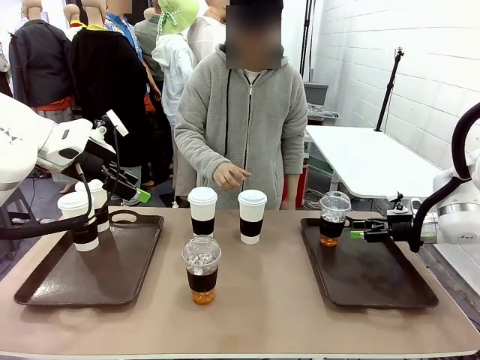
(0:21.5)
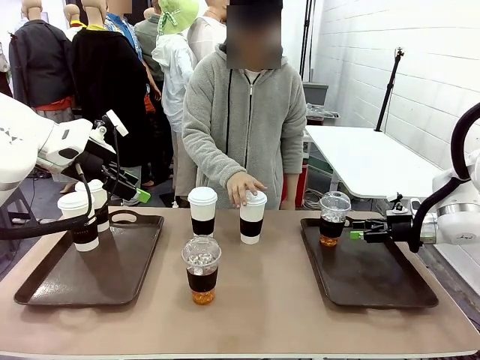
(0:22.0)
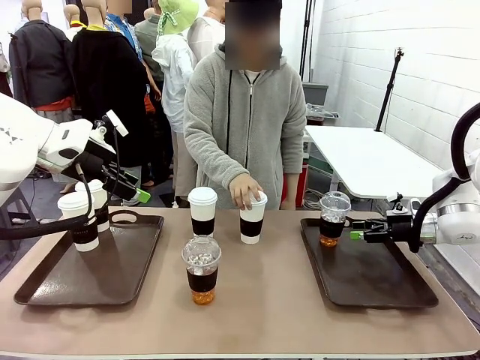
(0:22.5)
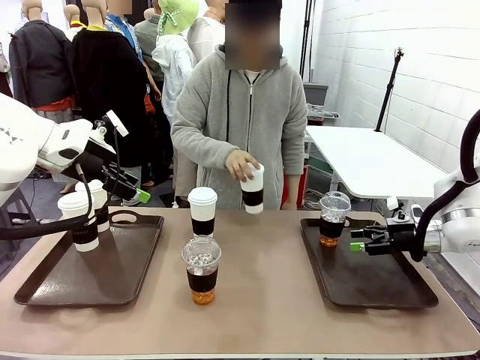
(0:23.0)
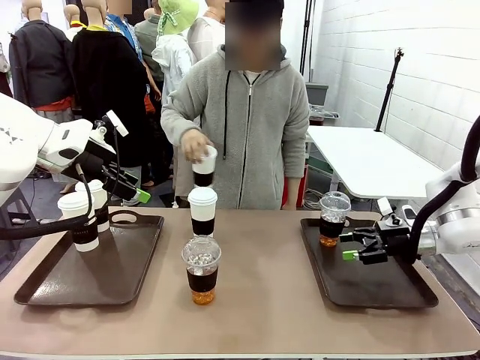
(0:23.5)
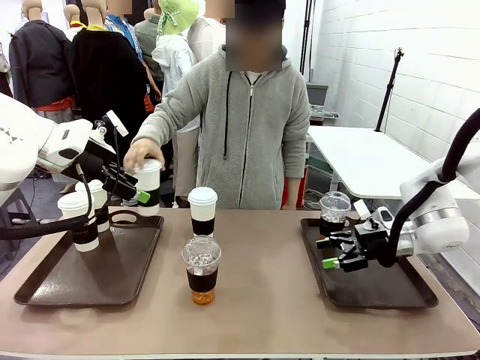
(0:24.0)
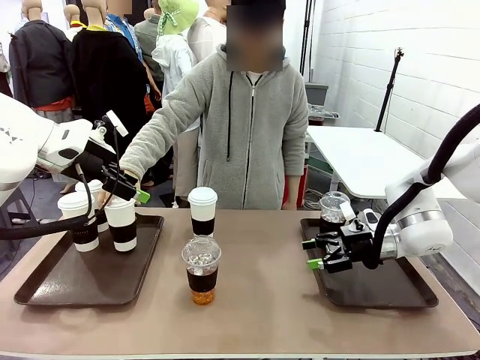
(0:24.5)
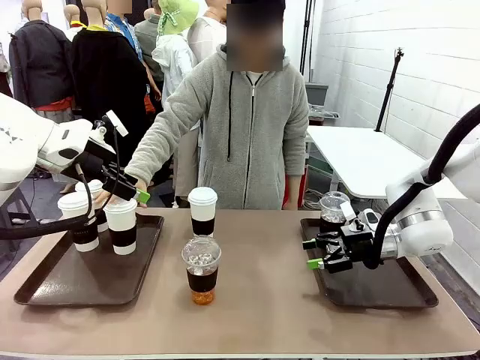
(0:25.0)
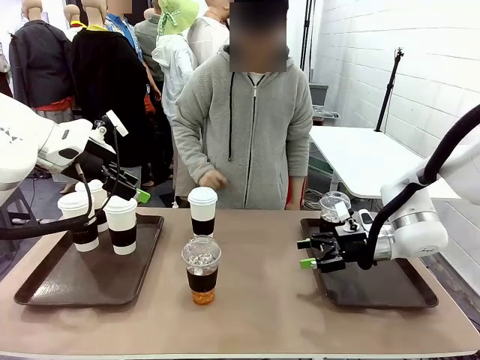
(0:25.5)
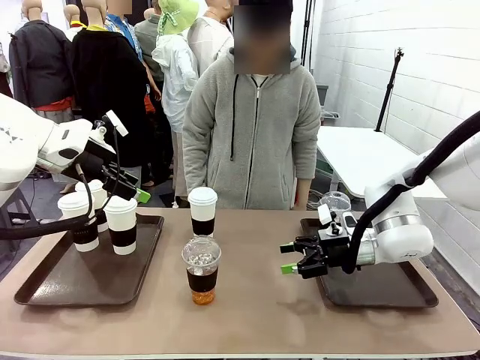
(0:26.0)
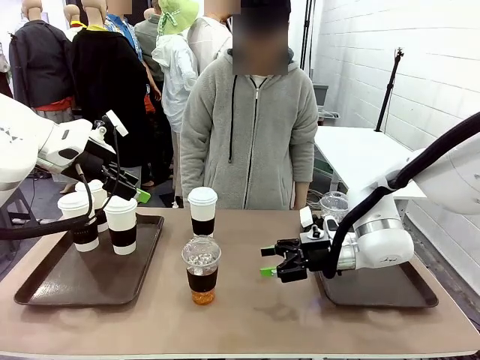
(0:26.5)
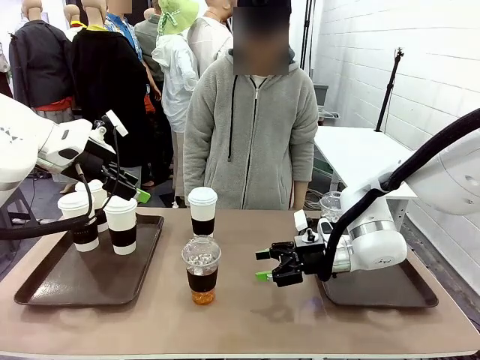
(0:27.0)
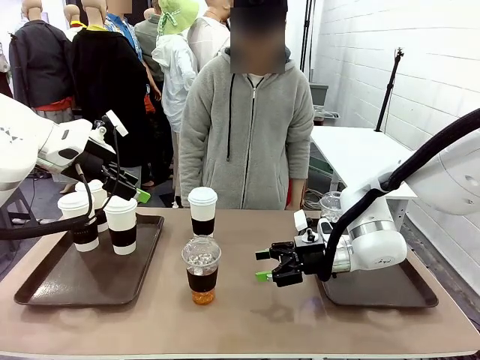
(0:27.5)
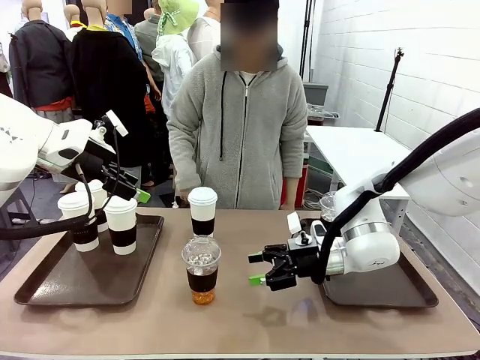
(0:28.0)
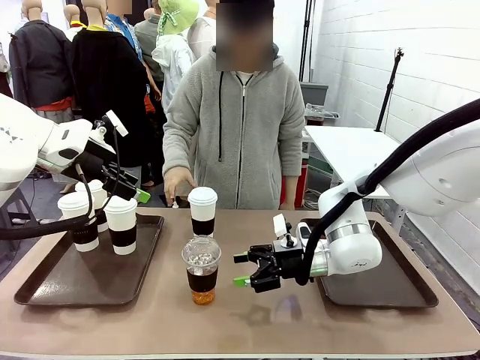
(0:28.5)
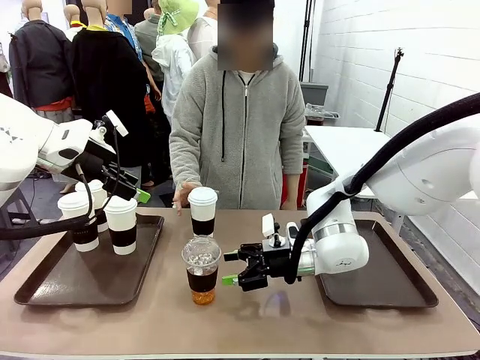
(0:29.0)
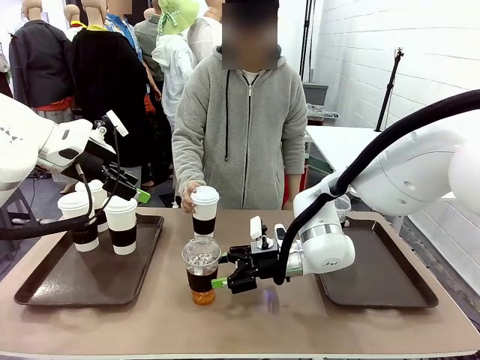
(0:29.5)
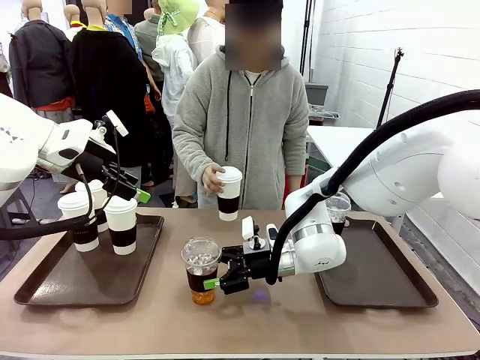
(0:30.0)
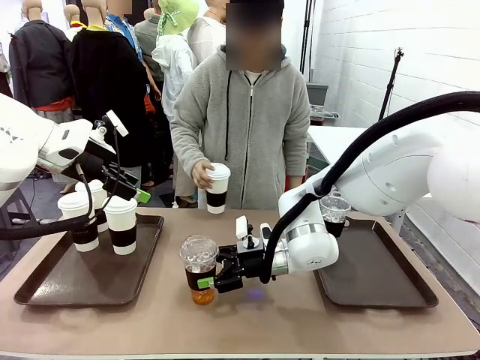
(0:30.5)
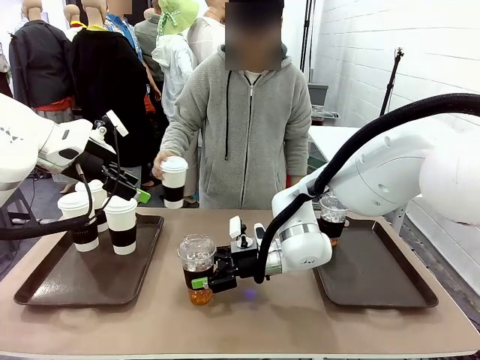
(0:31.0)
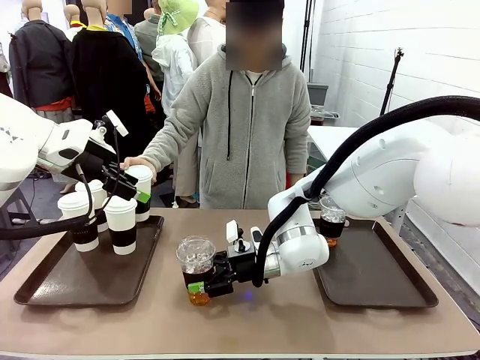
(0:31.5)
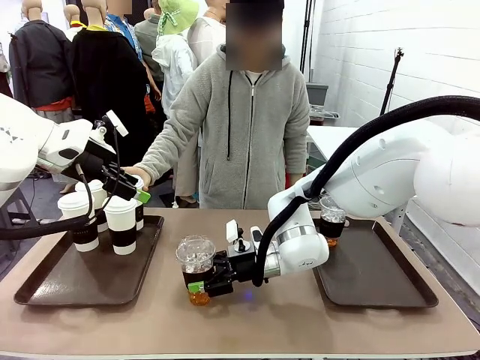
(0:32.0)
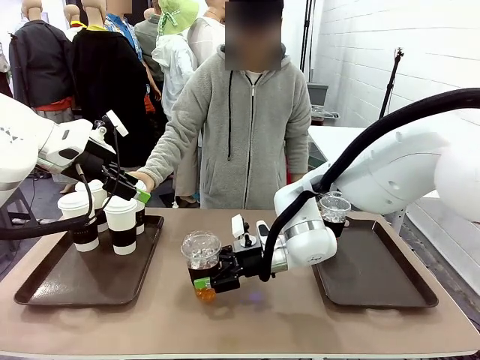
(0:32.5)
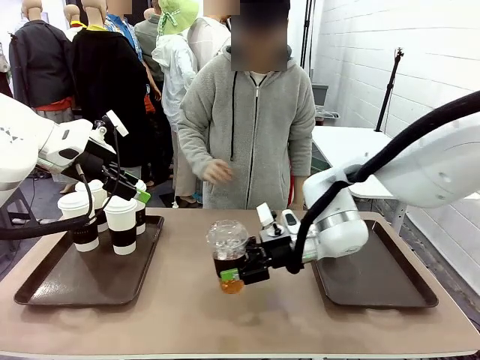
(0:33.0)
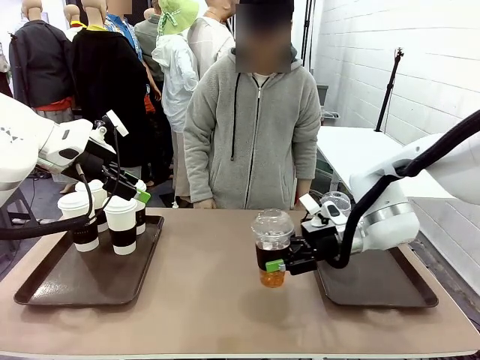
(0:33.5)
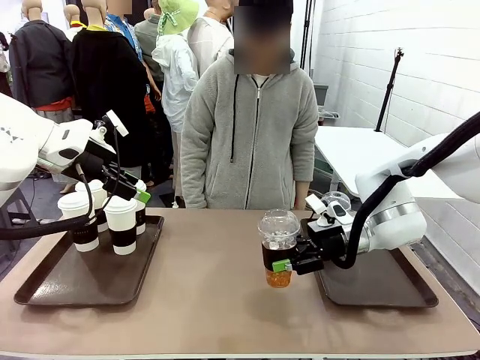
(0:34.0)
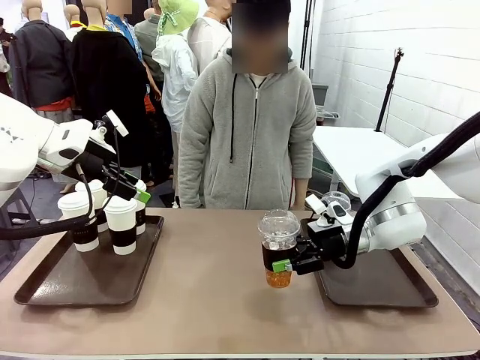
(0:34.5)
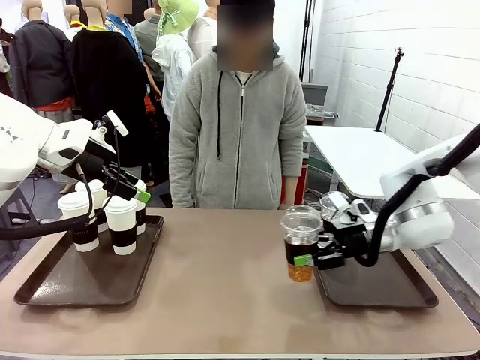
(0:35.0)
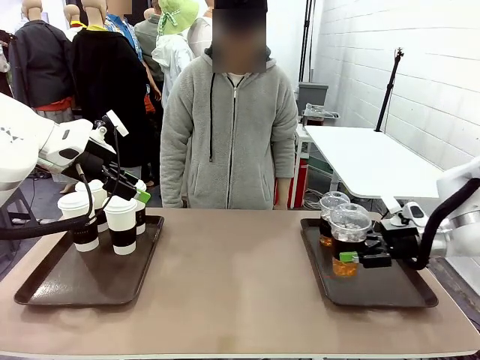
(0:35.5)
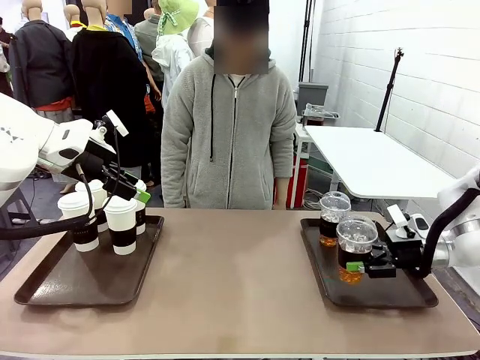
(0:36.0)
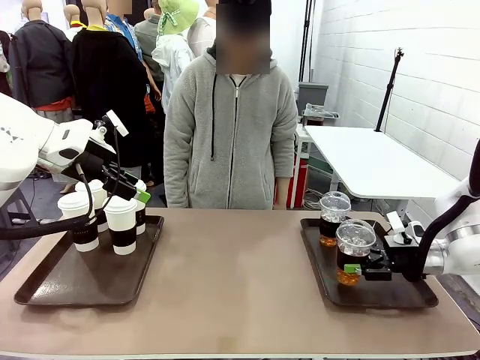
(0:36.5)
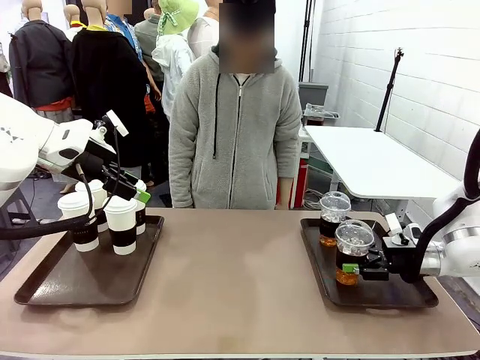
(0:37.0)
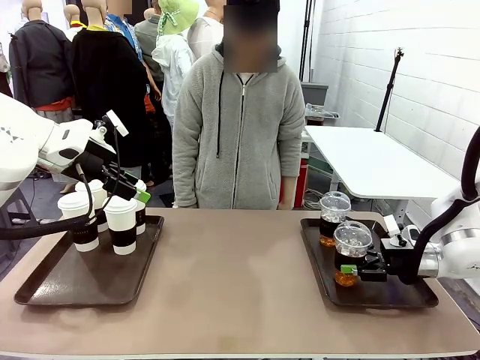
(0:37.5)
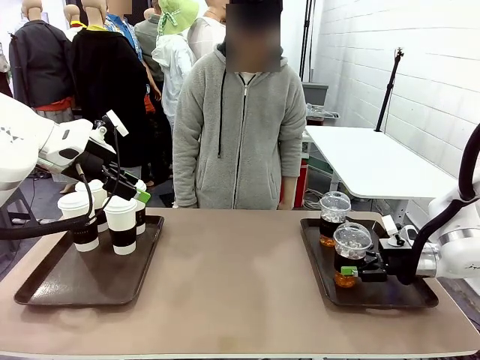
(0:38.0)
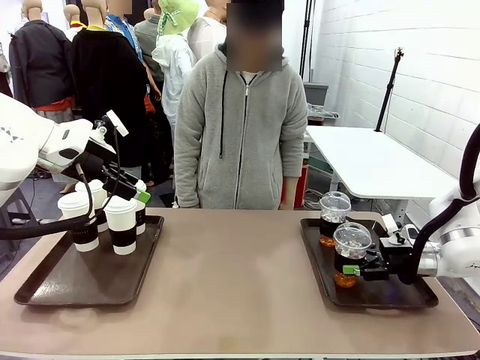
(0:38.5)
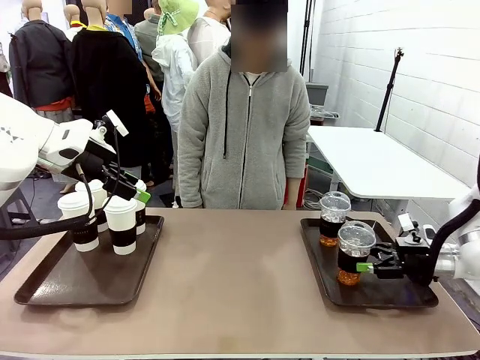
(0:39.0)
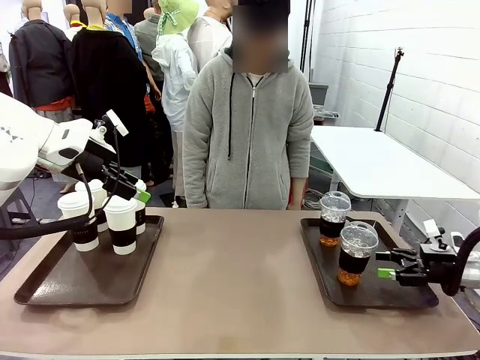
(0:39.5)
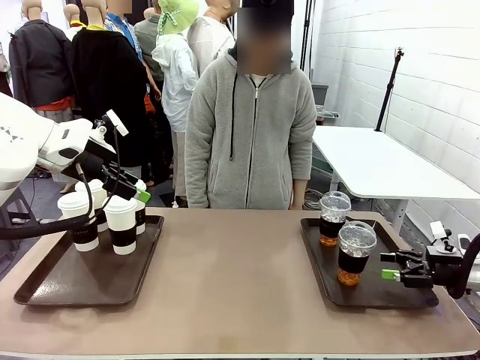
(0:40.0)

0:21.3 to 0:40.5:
Task: Distribute the coffee onto the tray.
Robot: Pick up another iced Americano from the middle of the table and place it on the right Handle tray.
Person: Pick up a cup of hot Americano from the middle of the table and place it on the right tray.
